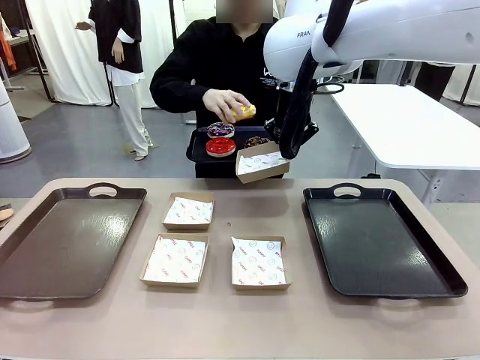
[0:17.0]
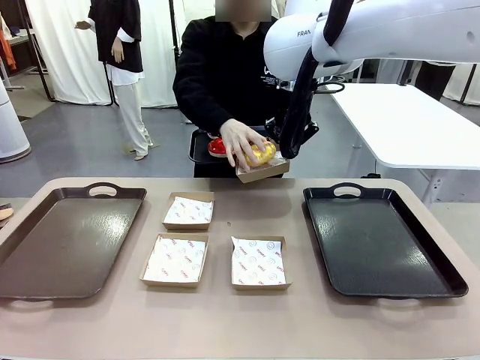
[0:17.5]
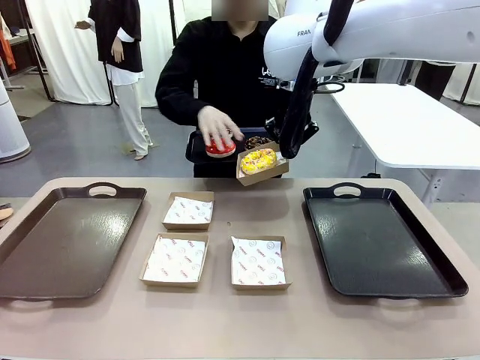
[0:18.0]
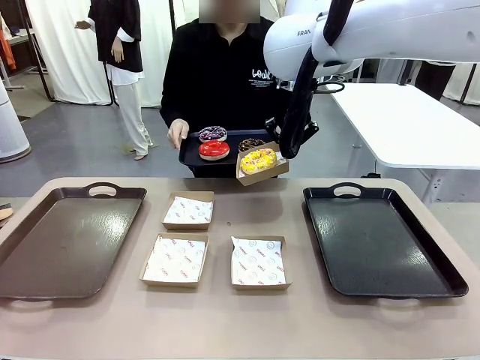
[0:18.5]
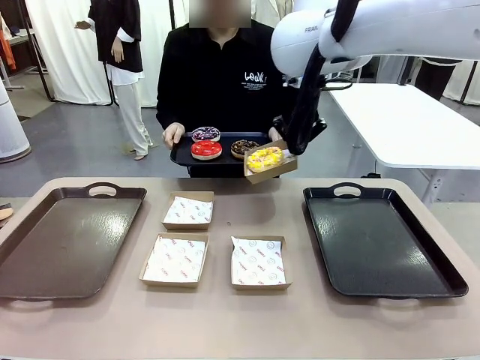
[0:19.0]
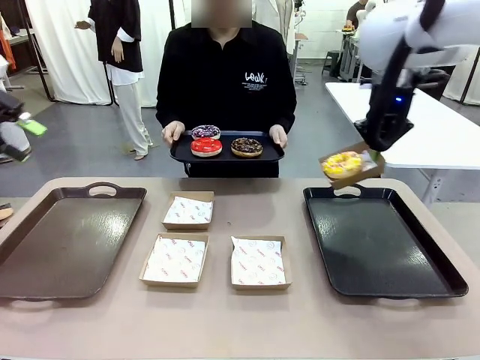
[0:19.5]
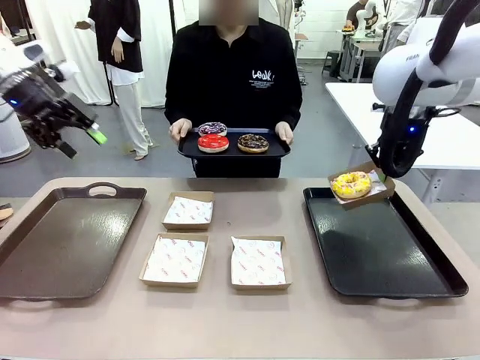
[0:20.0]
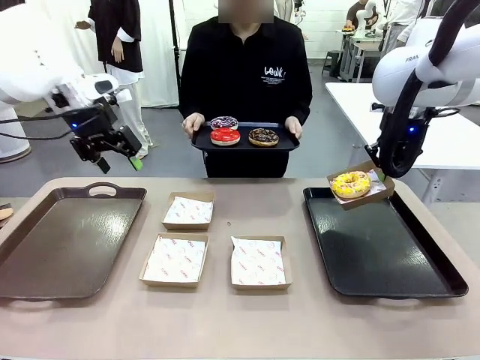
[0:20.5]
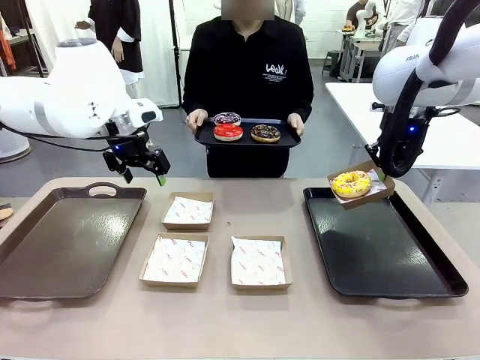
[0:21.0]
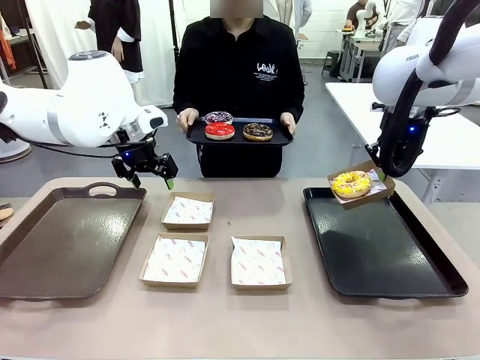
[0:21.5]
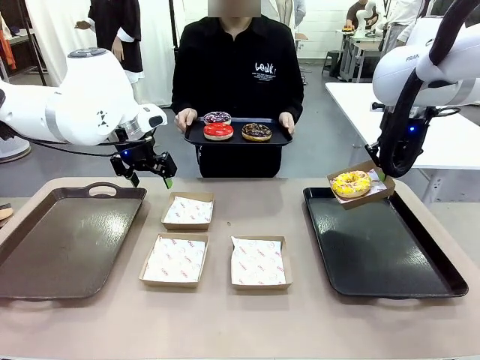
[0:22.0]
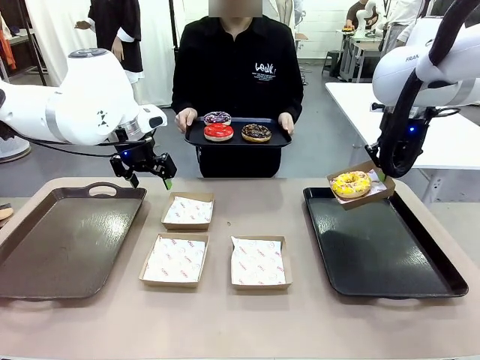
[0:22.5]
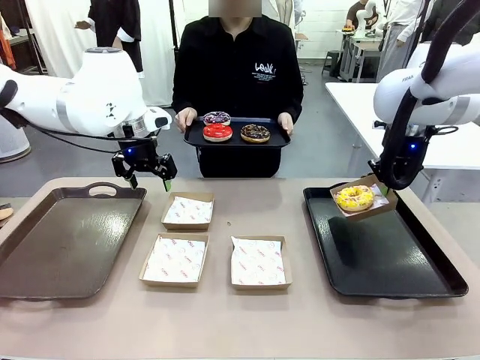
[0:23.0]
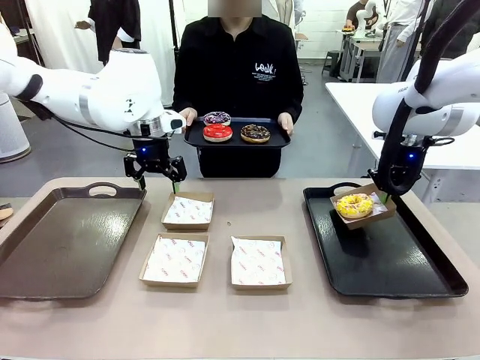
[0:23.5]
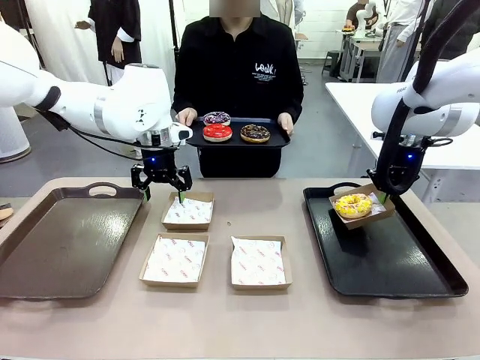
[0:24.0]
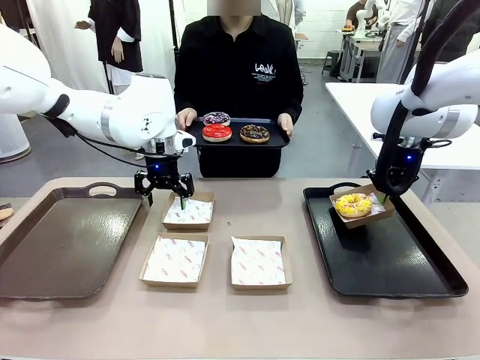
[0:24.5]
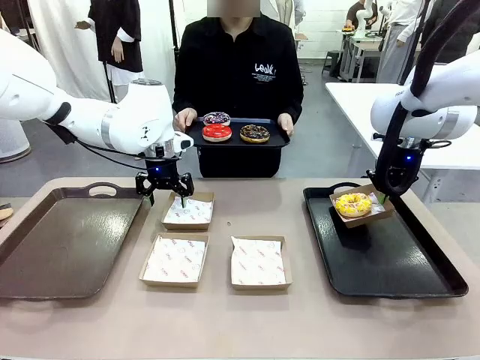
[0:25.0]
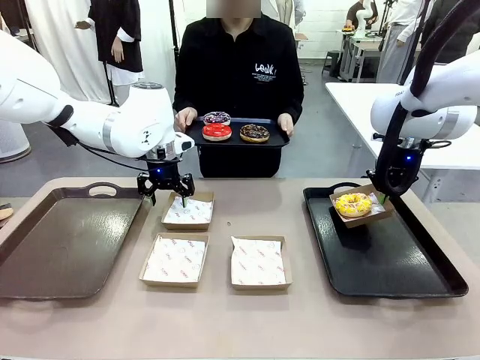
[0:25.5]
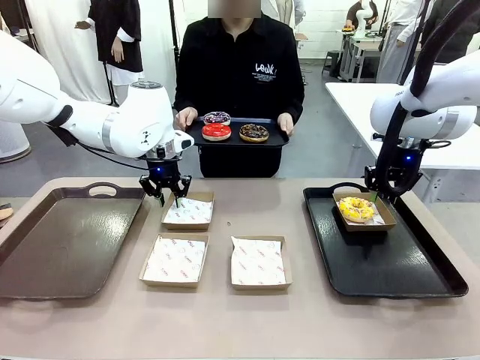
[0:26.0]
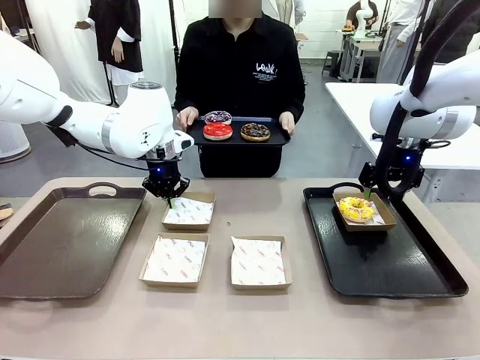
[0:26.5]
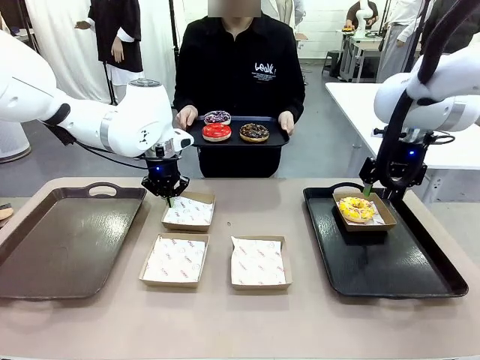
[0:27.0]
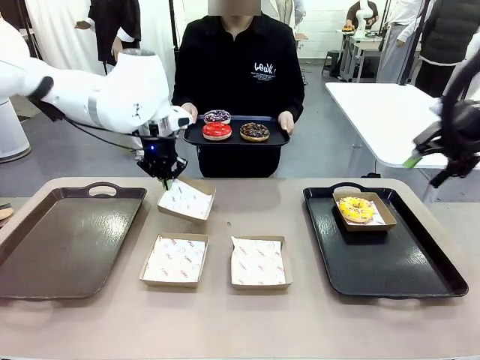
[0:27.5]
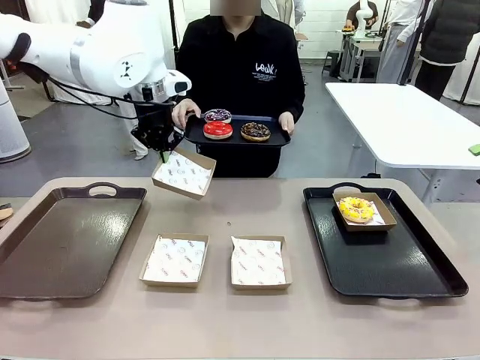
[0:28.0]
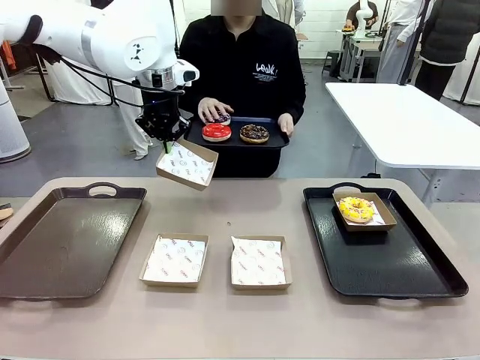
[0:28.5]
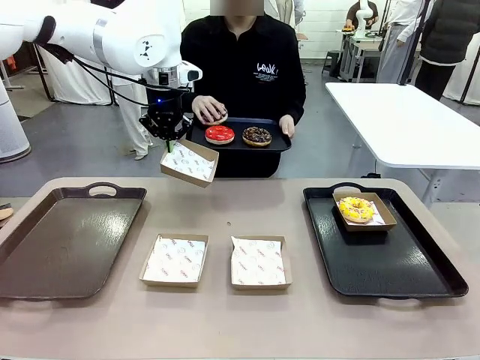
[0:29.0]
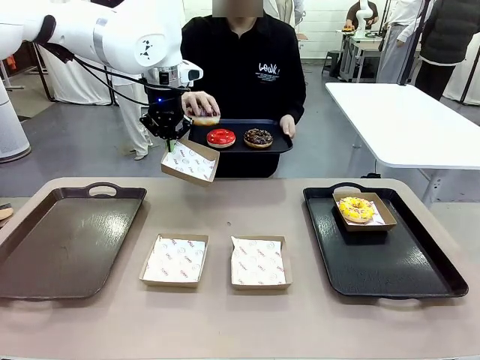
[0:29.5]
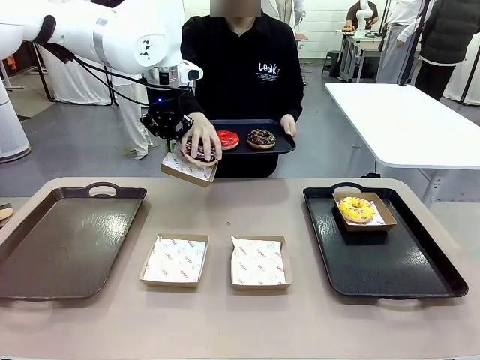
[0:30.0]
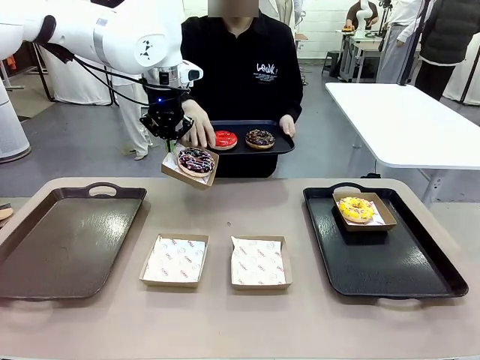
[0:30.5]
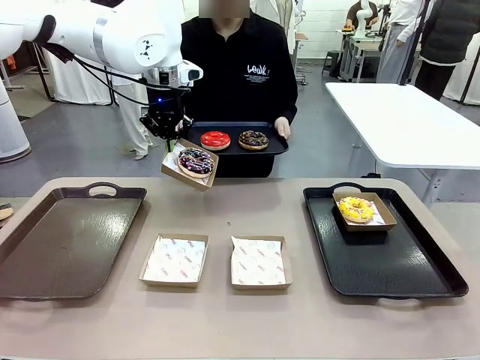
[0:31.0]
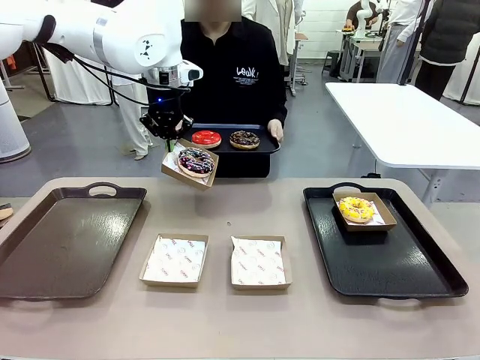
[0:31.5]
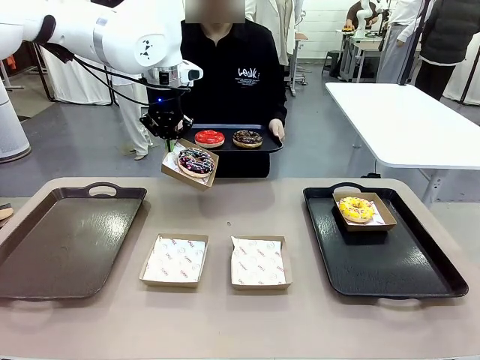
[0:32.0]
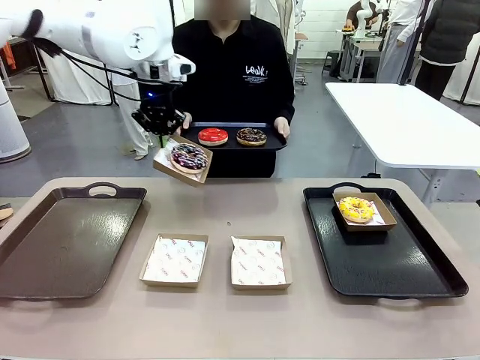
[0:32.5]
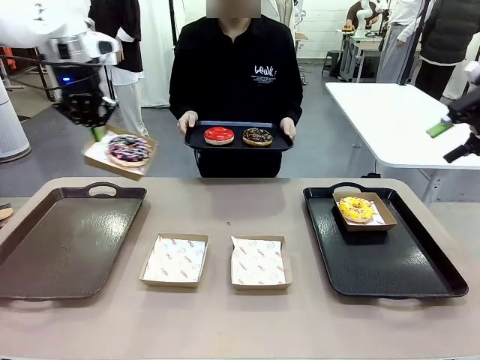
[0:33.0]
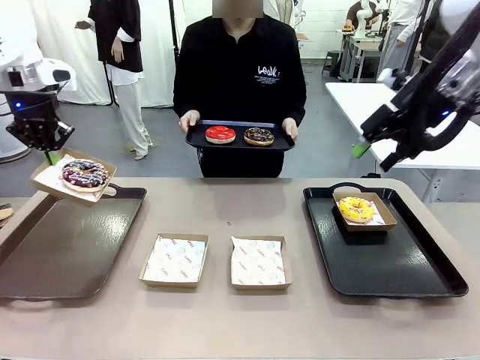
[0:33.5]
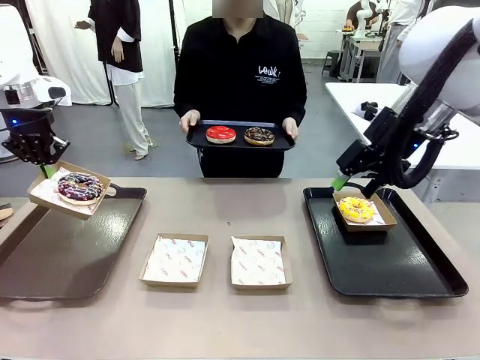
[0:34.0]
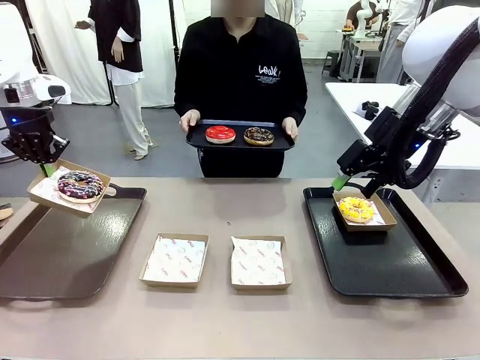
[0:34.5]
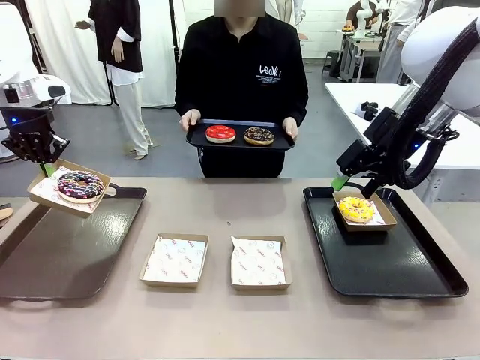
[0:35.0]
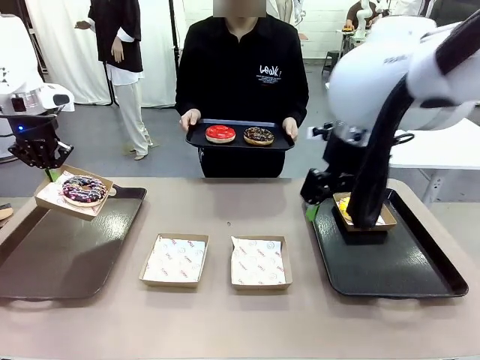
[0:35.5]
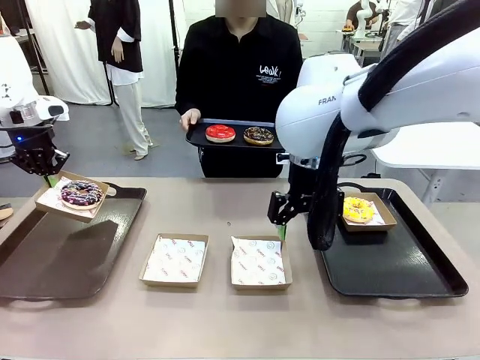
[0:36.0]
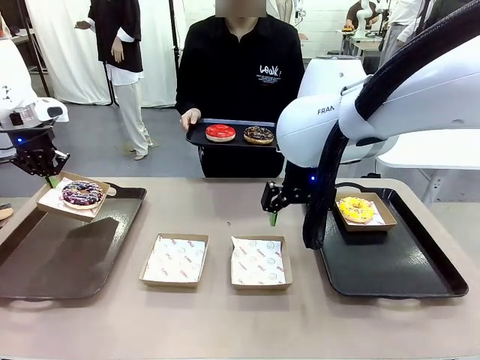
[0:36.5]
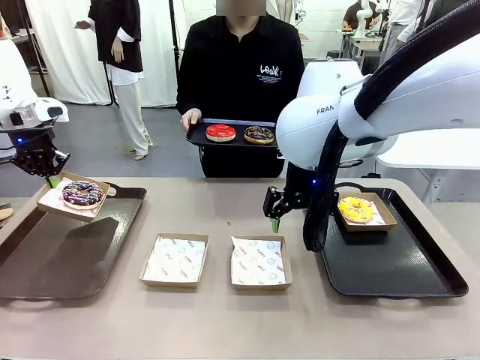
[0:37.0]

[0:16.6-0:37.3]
Task: Individually package the donuts and arrange them on the tray.
Robot: Place the picked Paper togo box on the Handle tray while simultaneously picking up another Paper togo box from the table with the other hand.

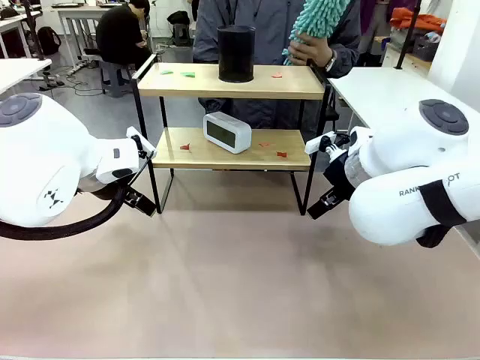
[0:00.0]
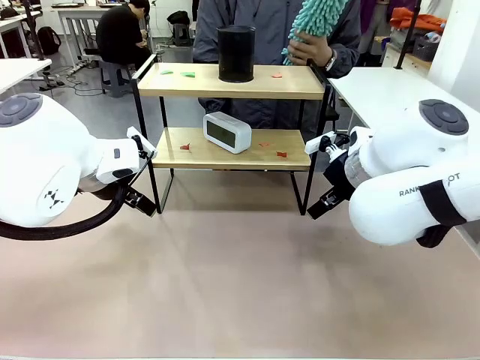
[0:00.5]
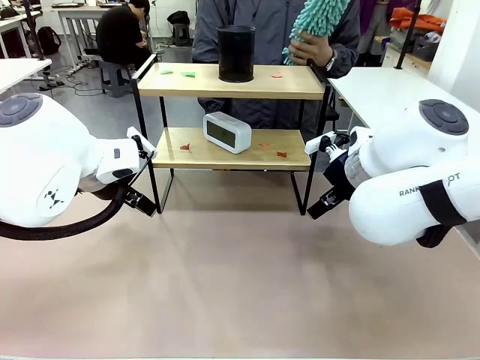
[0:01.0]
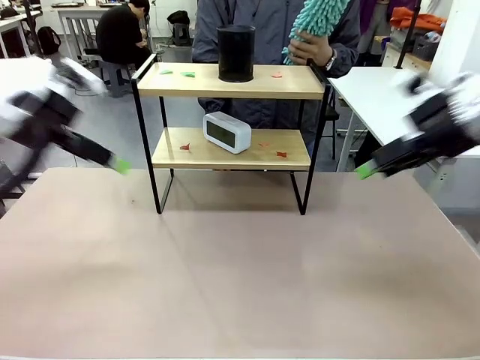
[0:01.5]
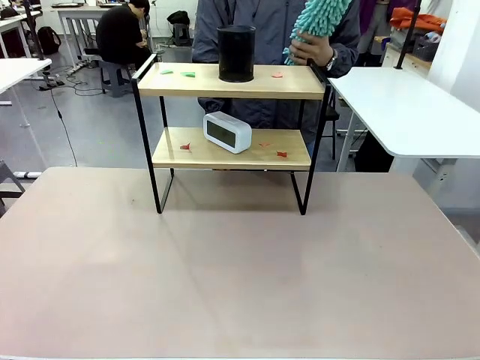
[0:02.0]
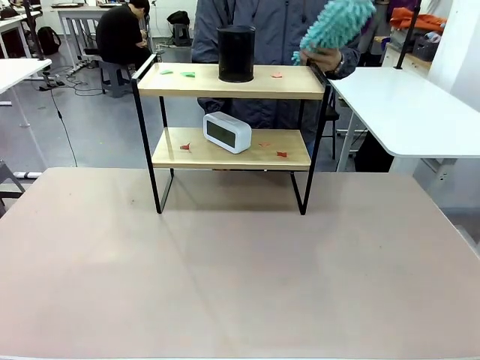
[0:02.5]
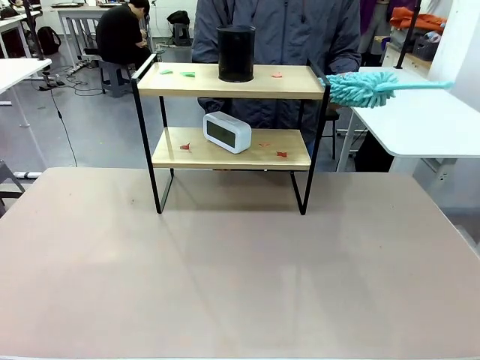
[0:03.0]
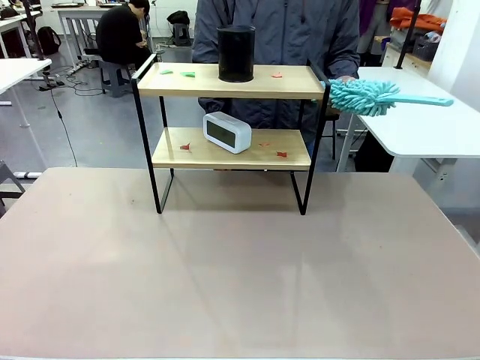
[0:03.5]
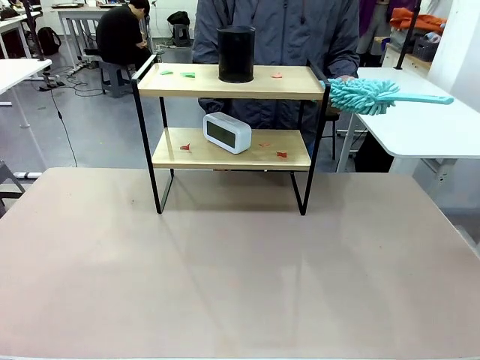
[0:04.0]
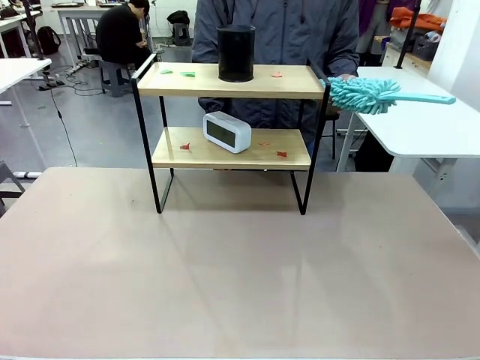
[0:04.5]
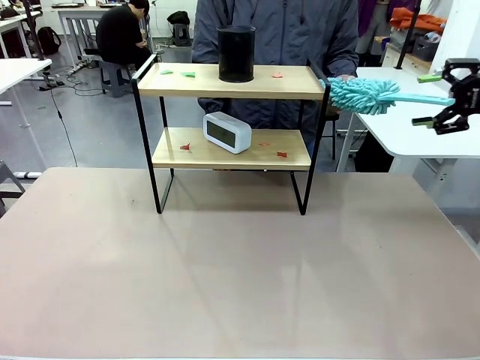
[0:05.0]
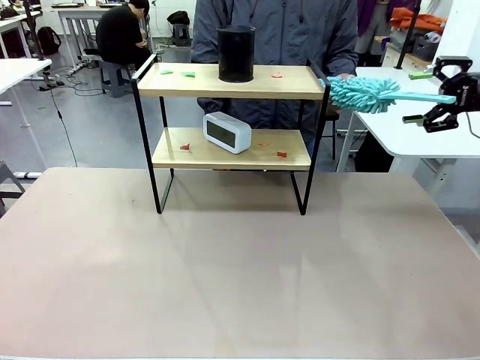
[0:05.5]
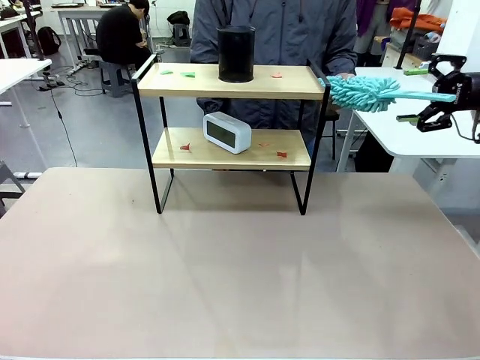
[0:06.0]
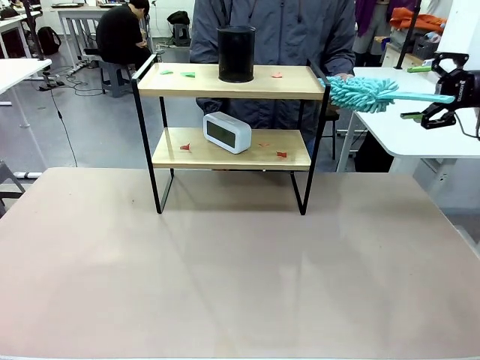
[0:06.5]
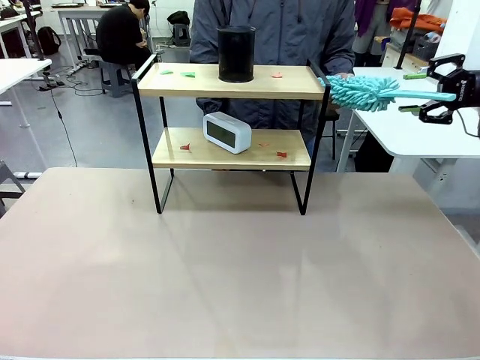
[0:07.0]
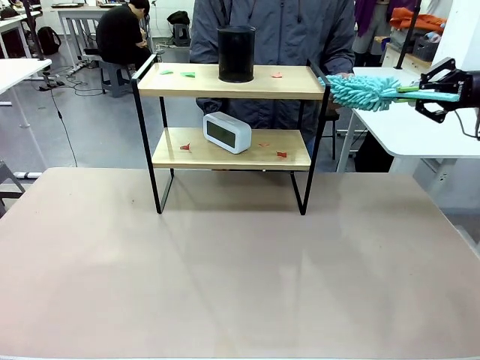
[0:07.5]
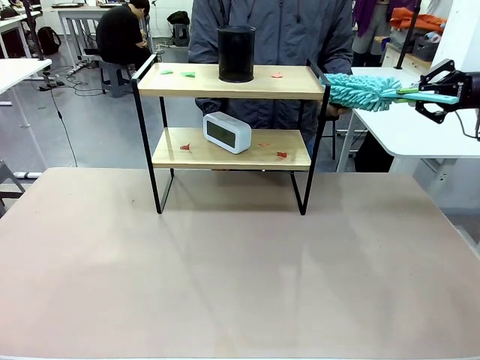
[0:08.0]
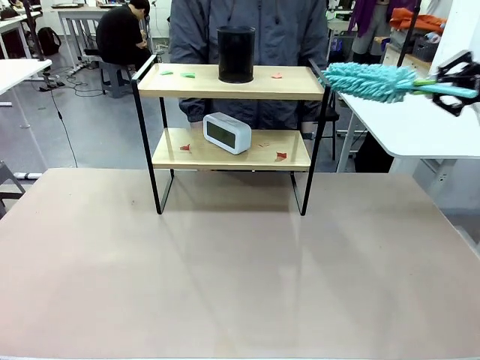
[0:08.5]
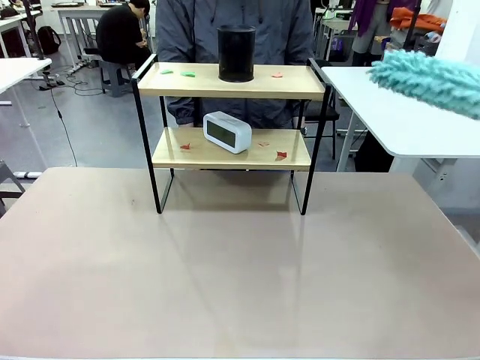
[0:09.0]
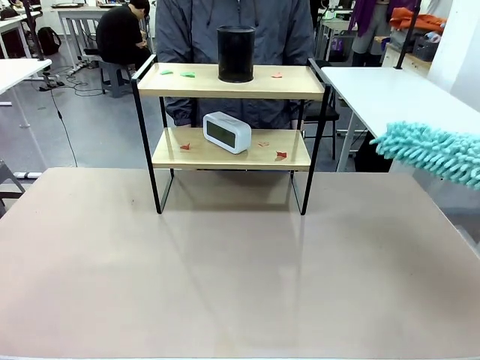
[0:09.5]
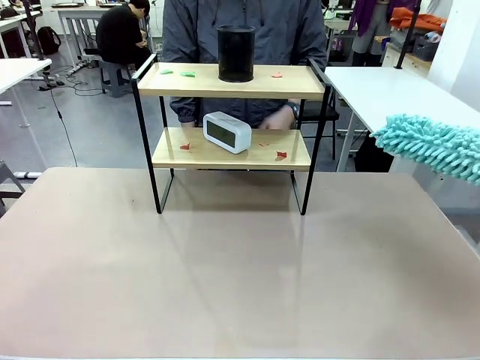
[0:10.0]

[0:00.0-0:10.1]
Task: Clean the shelf.
Robot: Pick up the Duster from the human.
Person: Hand the Duster to the robot.
